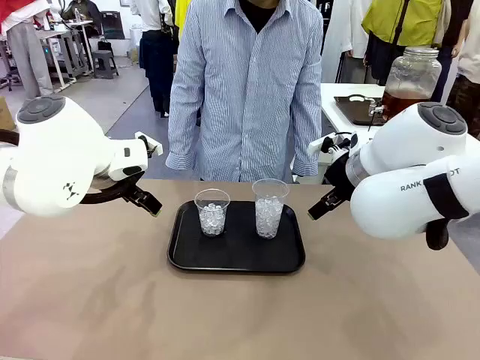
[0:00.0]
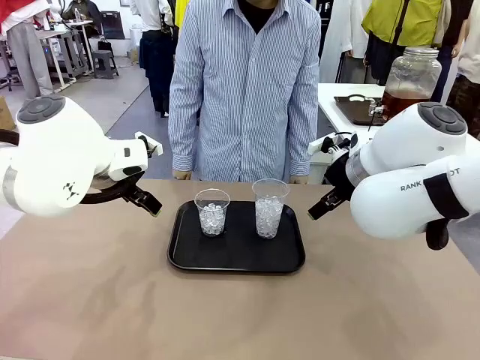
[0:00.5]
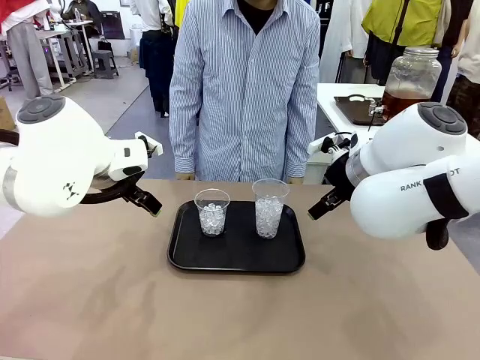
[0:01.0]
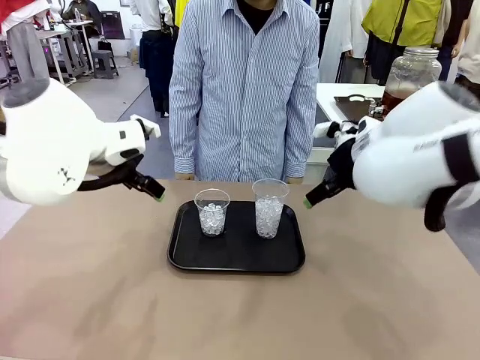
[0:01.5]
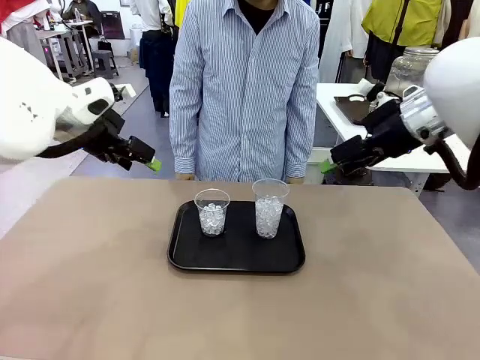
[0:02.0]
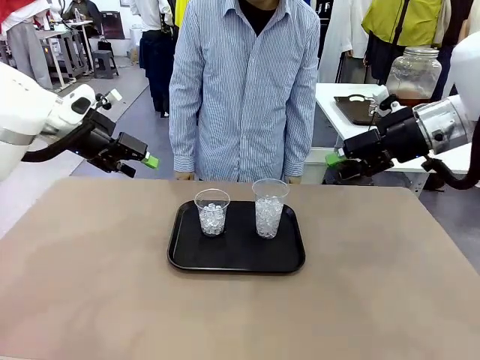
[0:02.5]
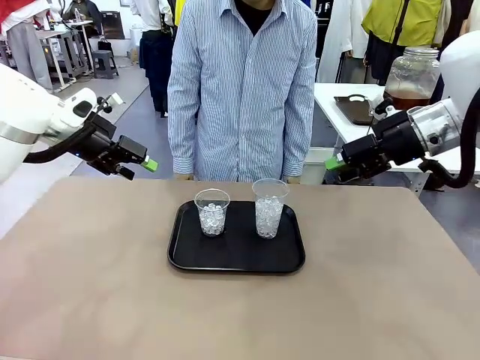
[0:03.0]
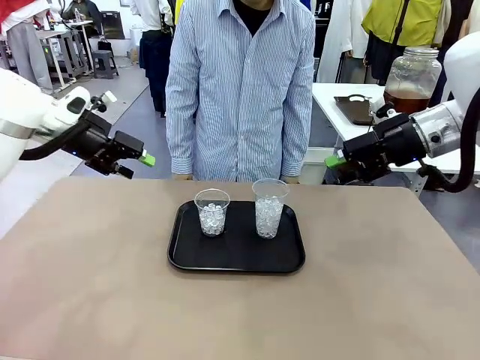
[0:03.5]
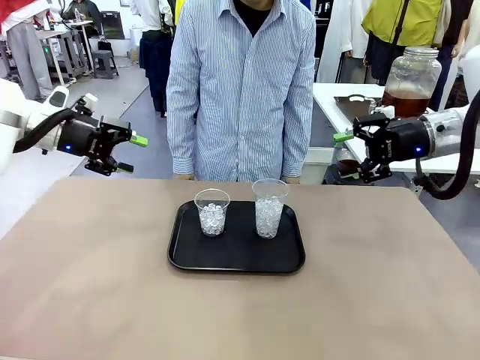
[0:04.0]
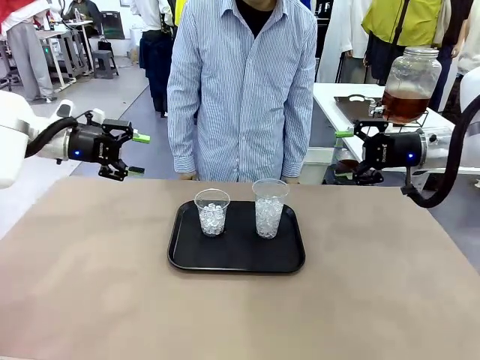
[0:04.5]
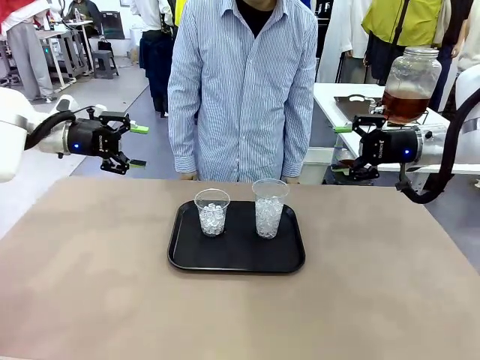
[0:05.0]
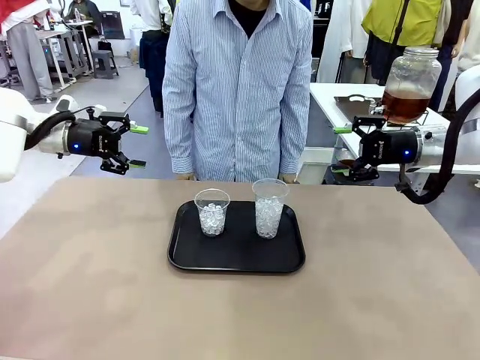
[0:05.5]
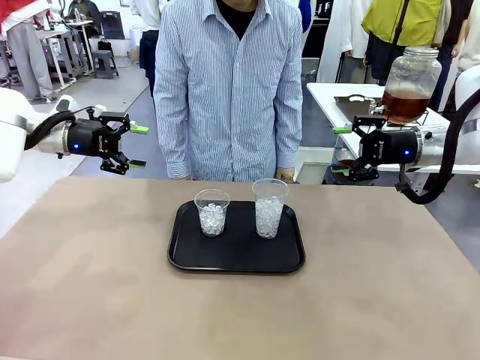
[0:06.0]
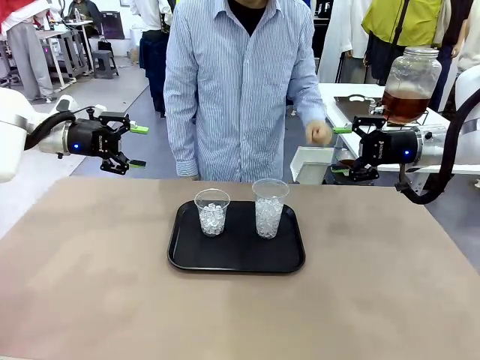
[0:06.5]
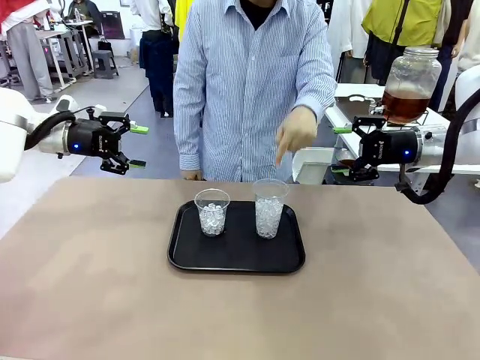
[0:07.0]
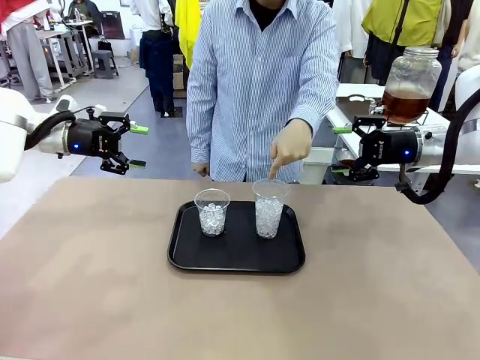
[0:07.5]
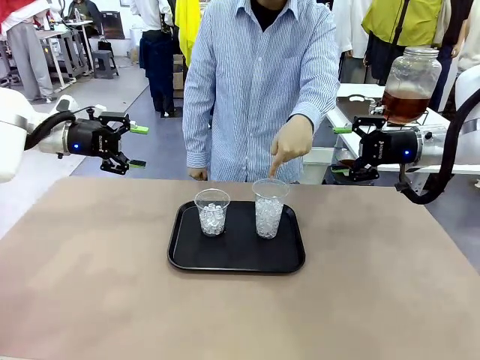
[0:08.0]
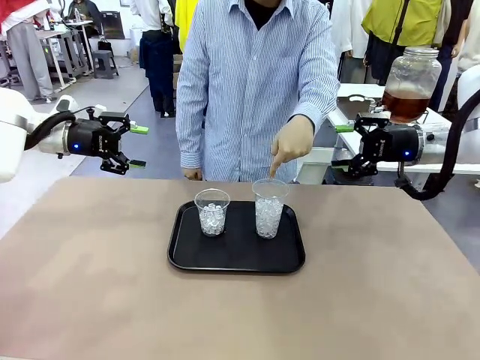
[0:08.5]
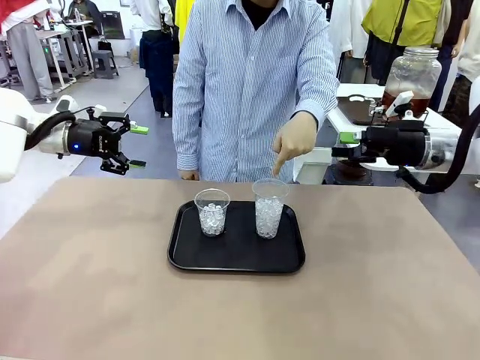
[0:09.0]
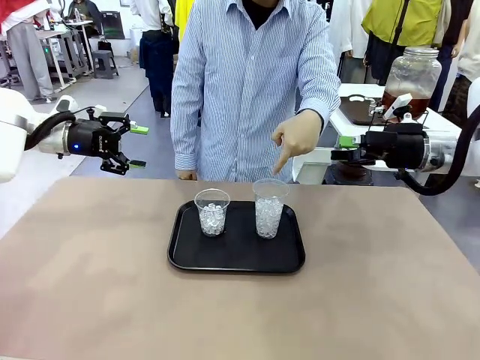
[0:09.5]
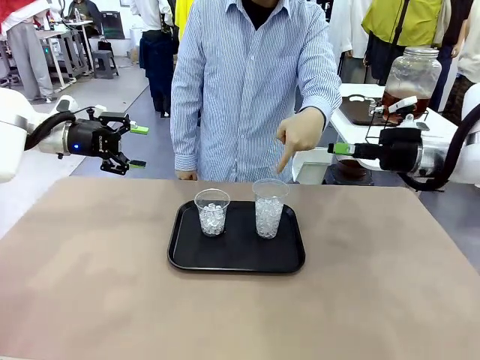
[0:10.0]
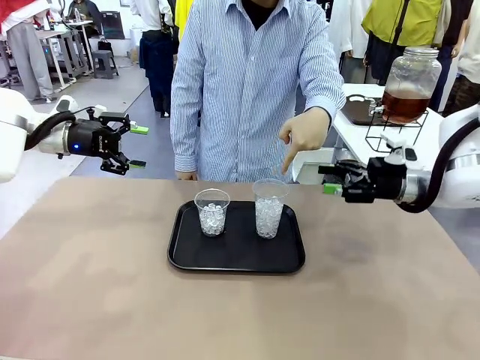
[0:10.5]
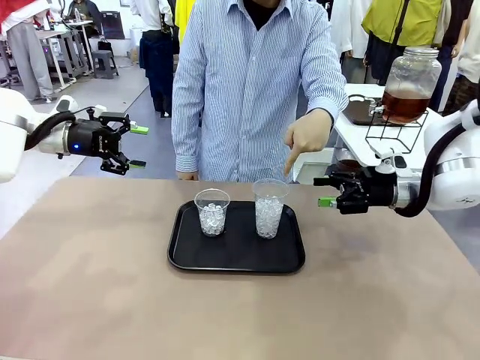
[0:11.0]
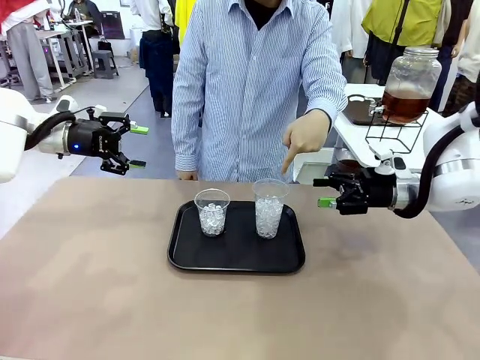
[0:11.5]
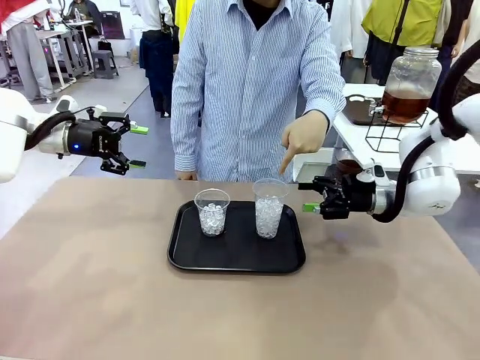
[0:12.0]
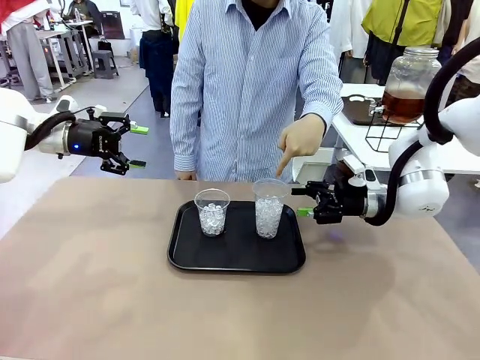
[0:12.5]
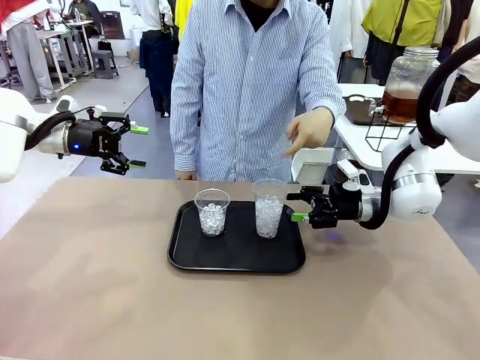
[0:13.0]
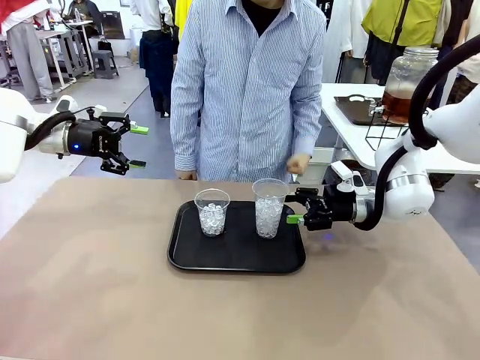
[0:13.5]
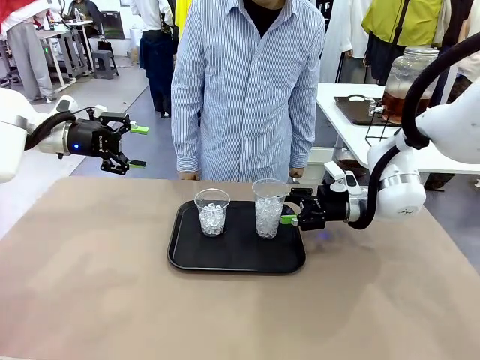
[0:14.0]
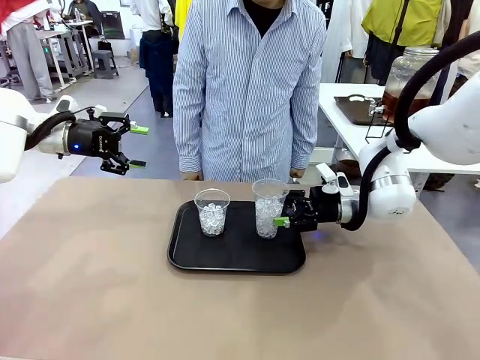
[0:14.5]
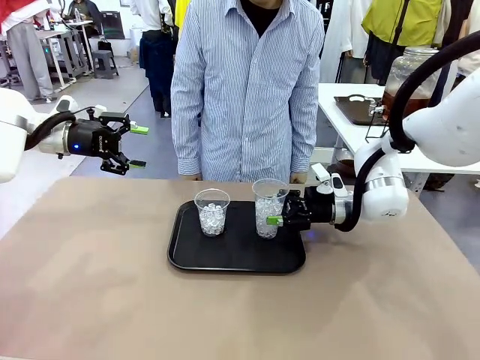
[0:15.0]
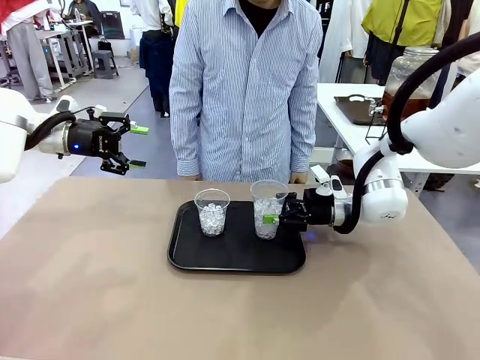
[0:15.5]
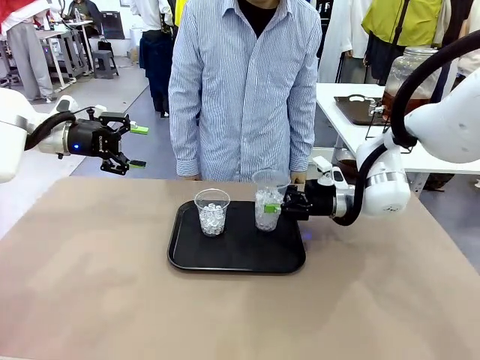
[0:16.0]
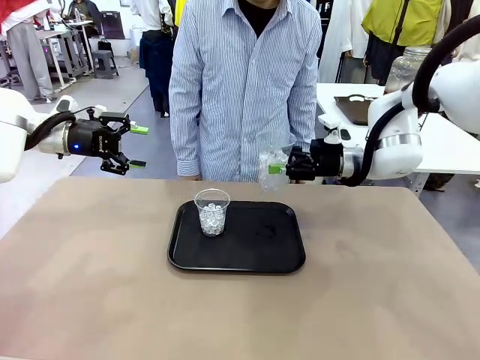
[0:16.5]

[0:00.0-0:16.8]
Task: Pour the drink into the iced cup.
Robot: Pick up the iced cup indicated by the human and present it to them.
Person: Point to one of the two ice cups. Pick up the cup offered by the robot.

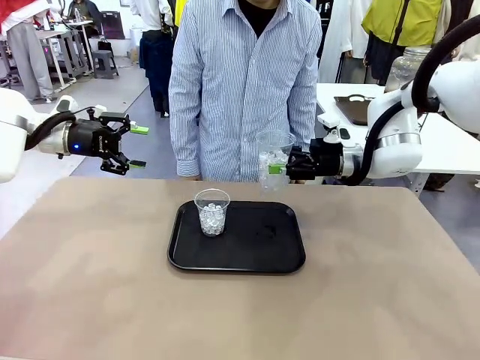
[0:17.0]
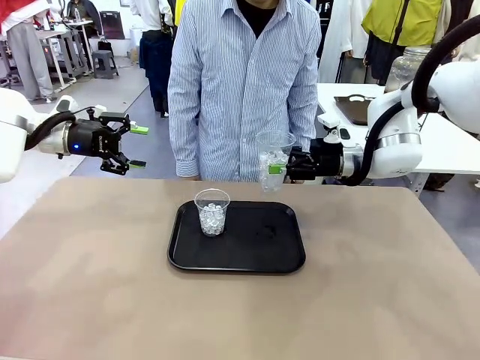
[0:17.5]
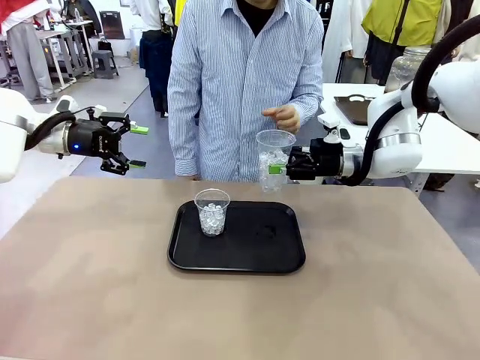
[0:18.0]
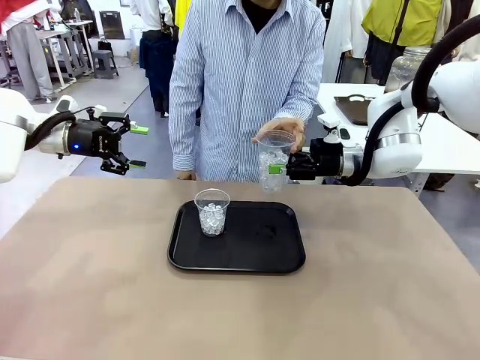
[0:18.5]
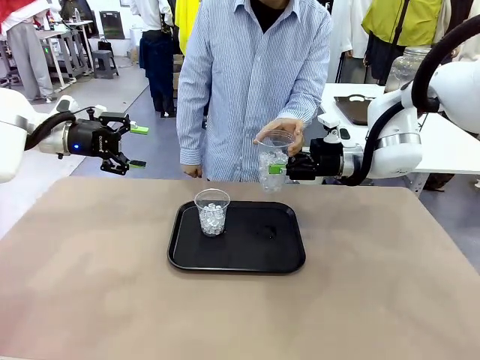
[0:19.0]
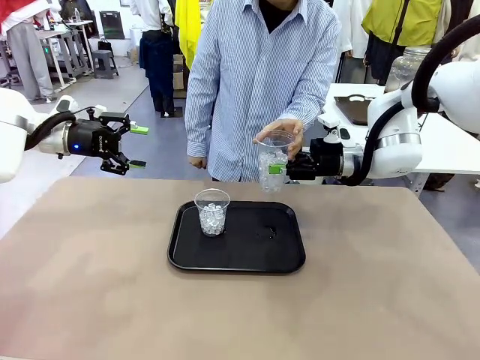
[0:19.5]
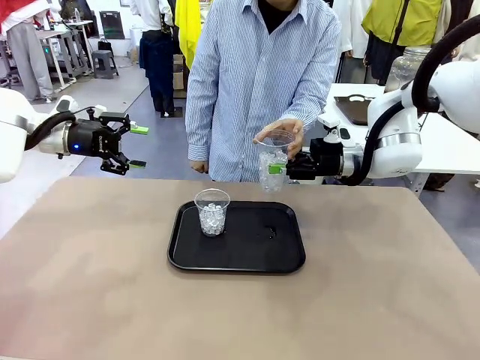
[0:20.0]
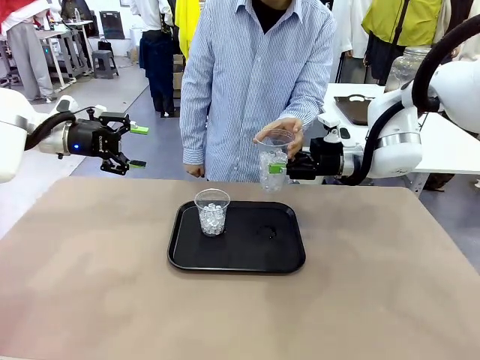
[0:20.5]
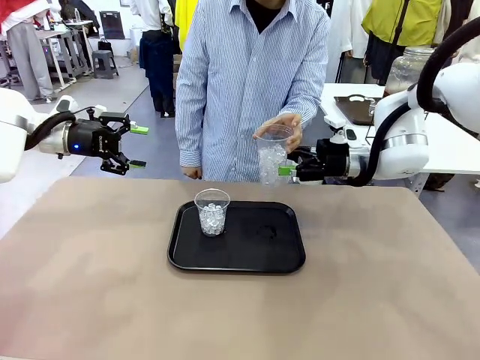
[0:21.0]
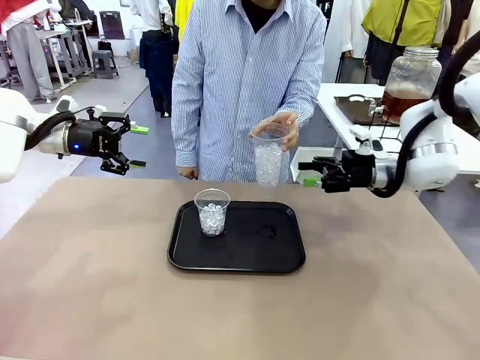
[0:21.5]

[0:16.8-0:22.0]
Robot: Open the gripper to release the iced cup you were holding.
